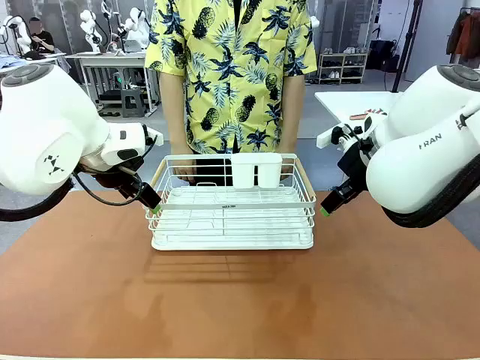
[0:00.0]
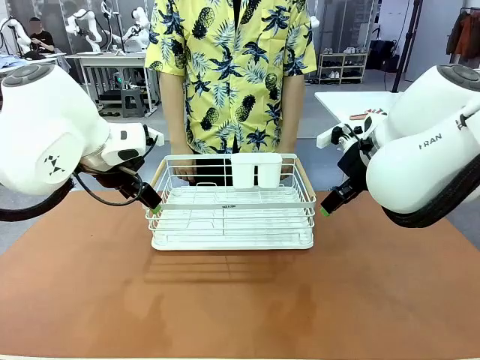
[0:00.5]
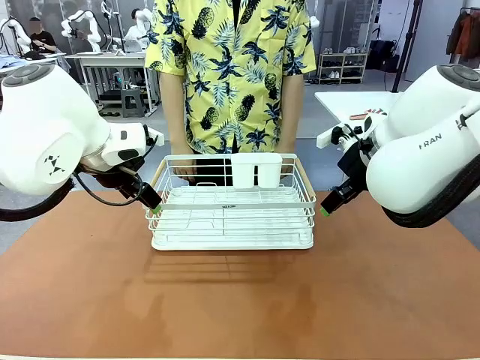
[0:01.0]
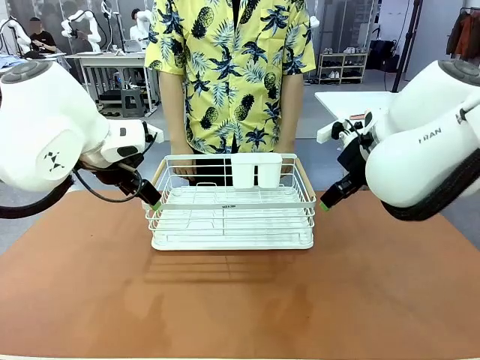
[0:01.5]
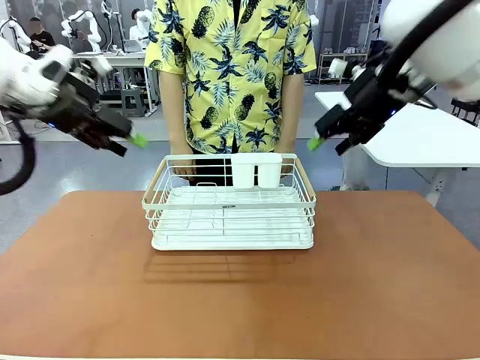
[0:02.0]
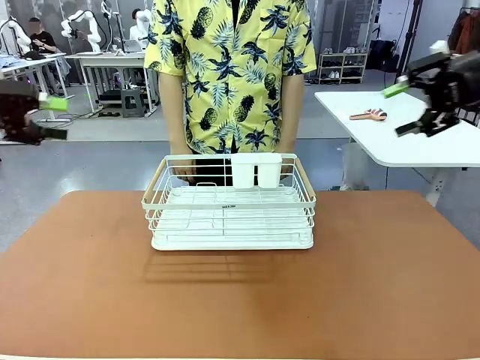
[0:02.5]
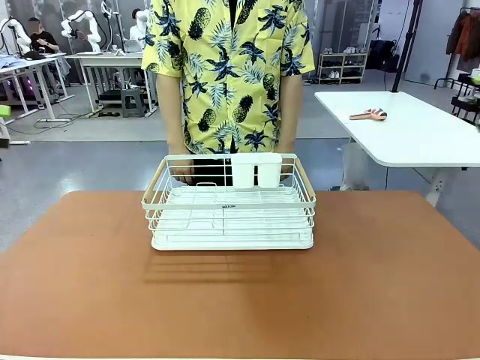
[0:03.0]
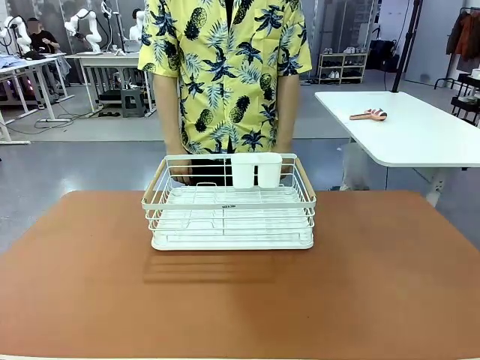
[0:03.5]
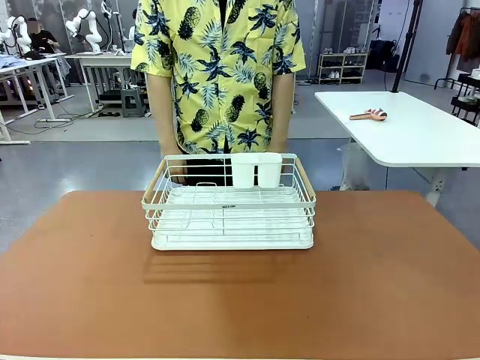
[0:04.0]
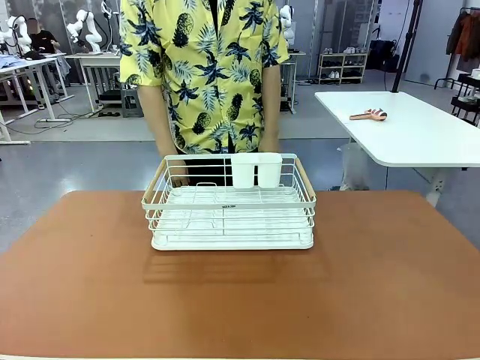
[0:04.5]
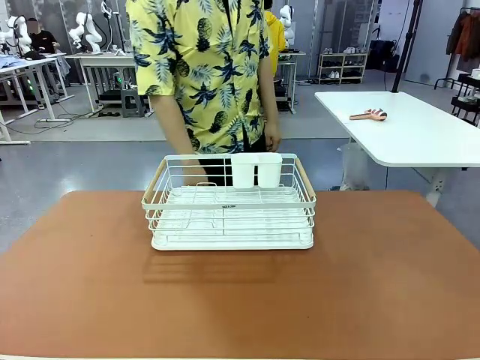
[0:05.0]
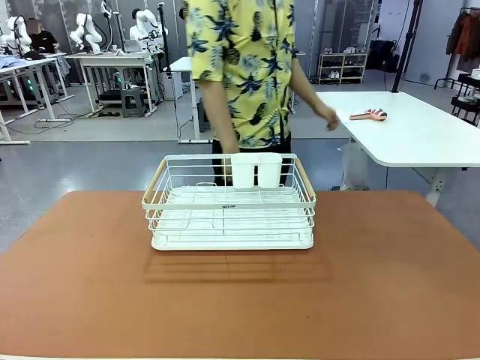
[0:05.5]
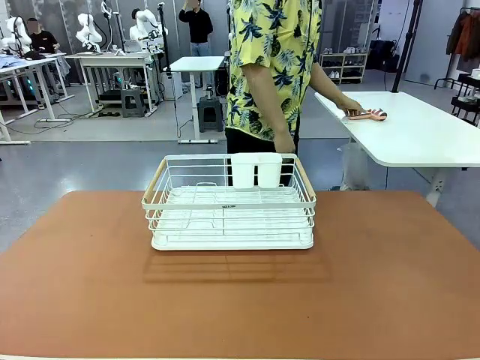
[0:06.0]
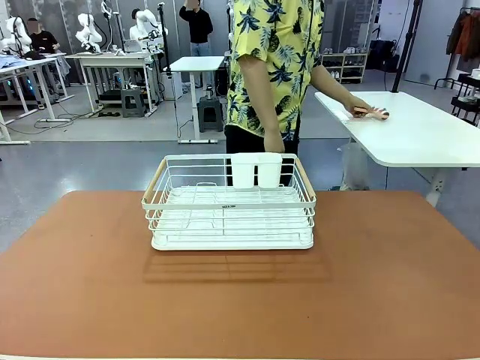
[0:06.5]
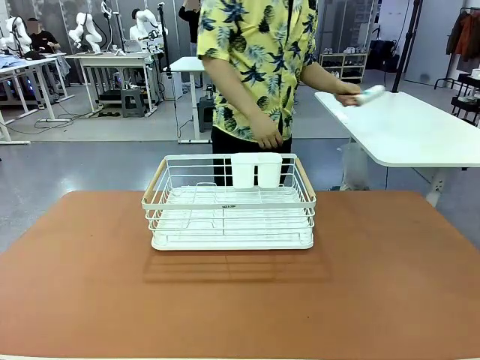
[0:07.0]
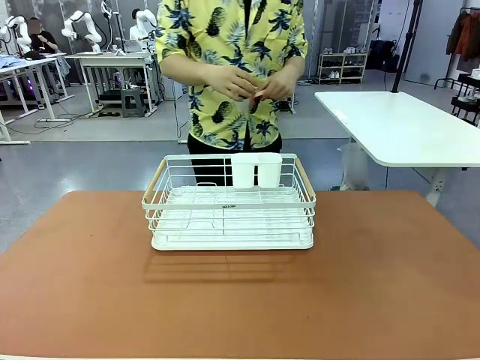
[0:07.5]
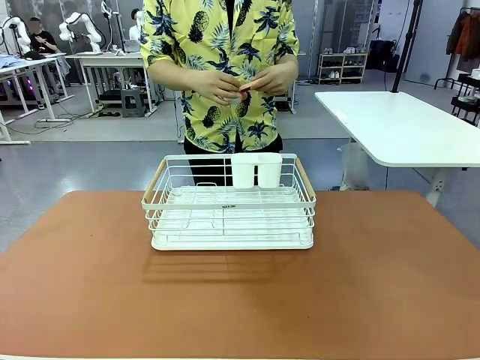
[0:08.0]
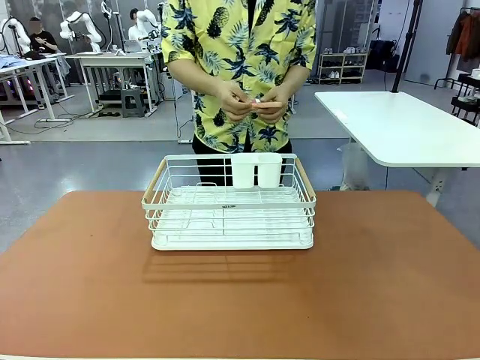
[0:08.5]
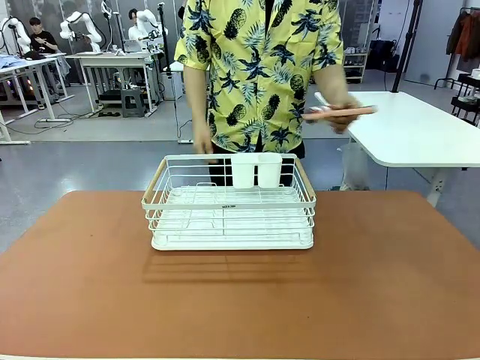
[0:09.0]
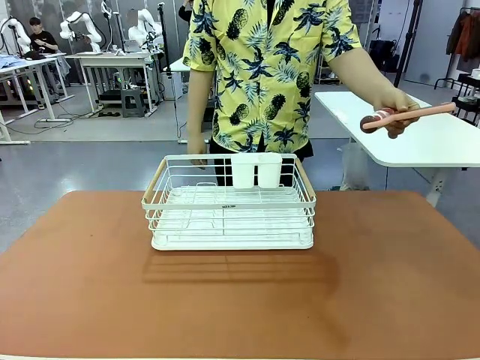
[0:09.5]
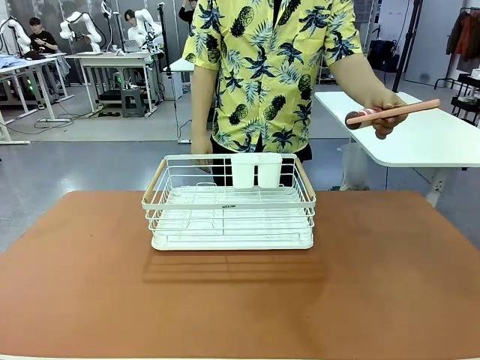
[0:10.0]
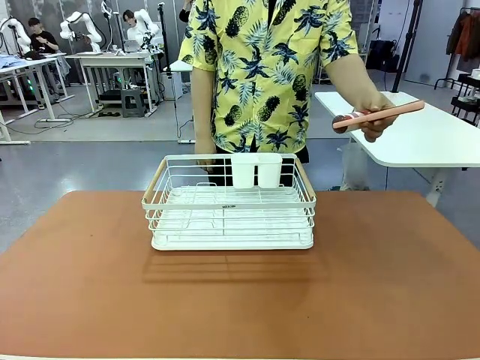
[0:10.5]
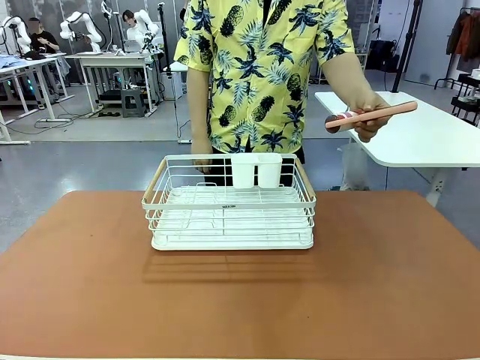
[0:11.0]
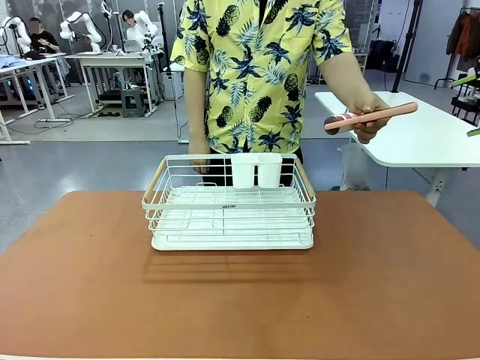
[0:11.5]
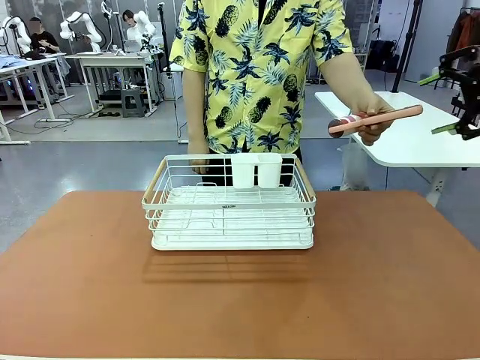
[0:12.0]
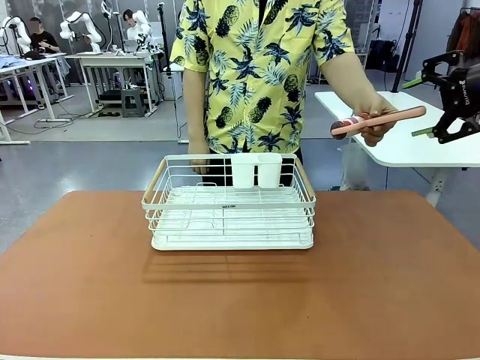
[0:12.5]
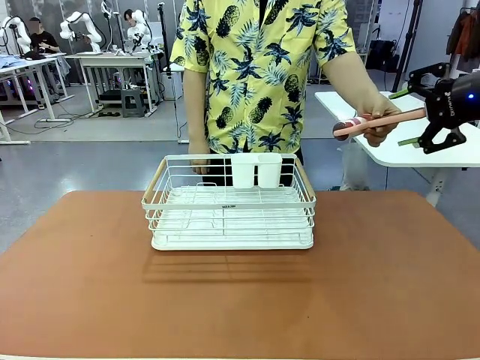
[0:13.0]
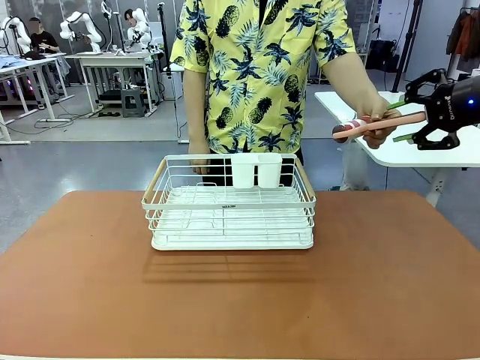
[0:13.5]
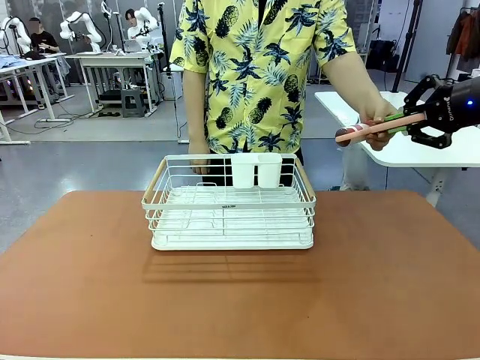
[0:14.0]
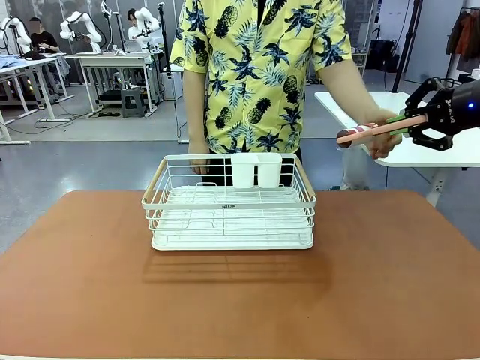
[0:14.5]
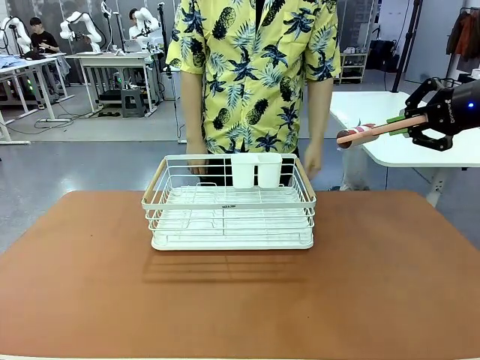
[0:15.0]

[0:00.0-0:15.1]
Task: Clean the table.
Robot: Pick up the Lint Roller when the human hands it over.
Person: Hand the Lint Roller to the robot so it can easily pick it up. Lift the Dish drying rack.

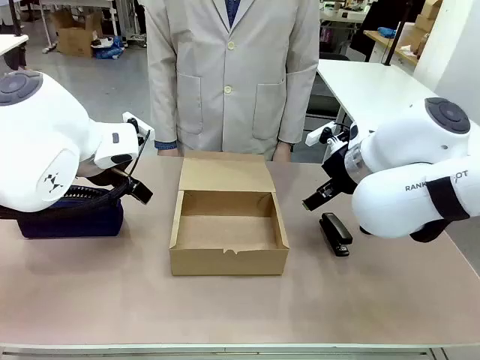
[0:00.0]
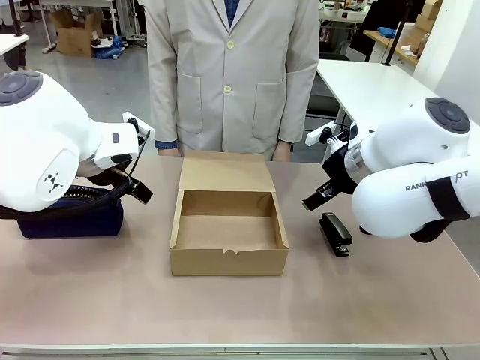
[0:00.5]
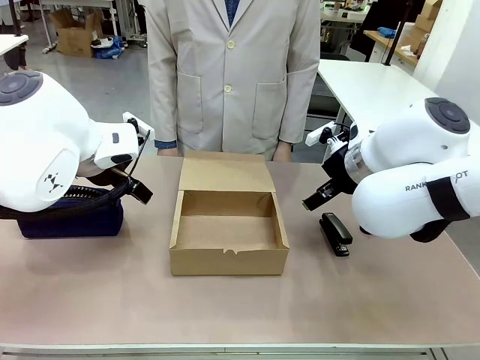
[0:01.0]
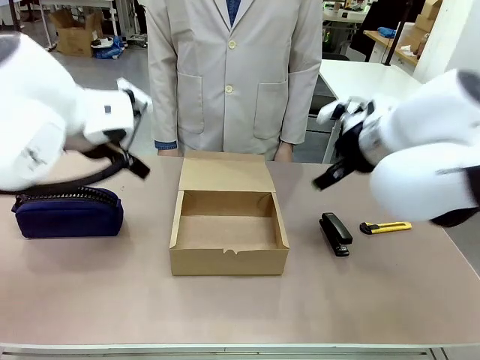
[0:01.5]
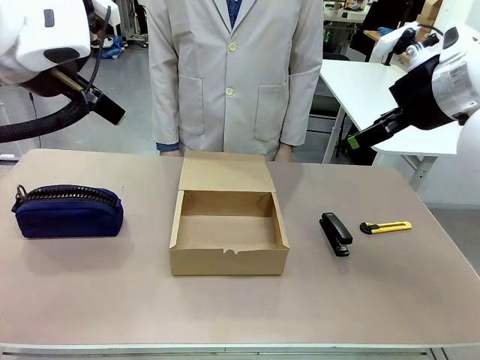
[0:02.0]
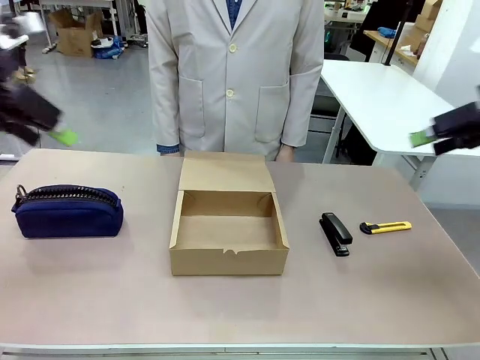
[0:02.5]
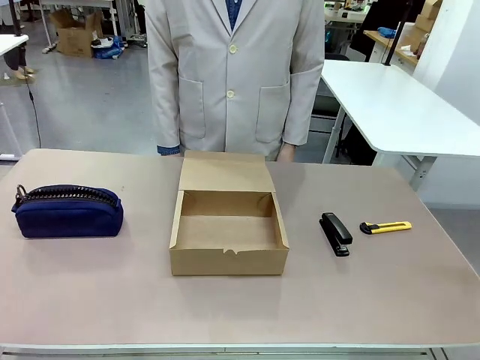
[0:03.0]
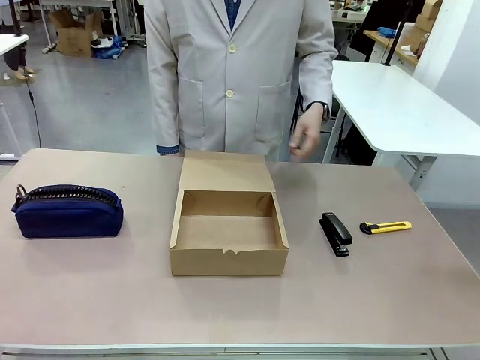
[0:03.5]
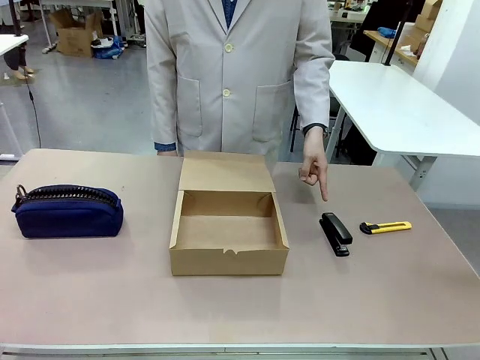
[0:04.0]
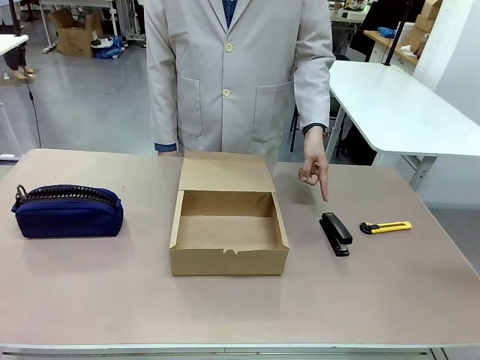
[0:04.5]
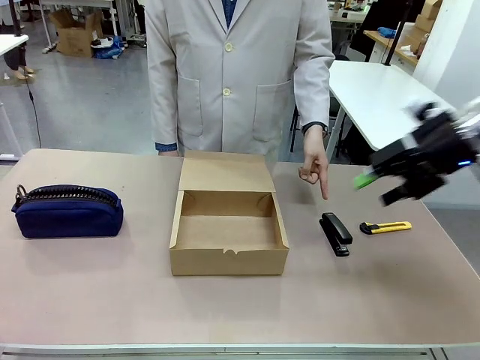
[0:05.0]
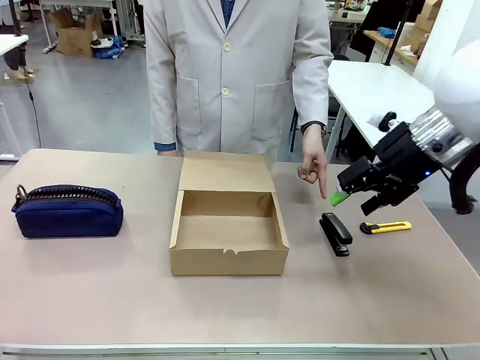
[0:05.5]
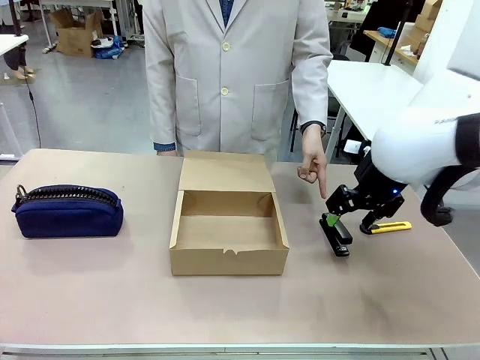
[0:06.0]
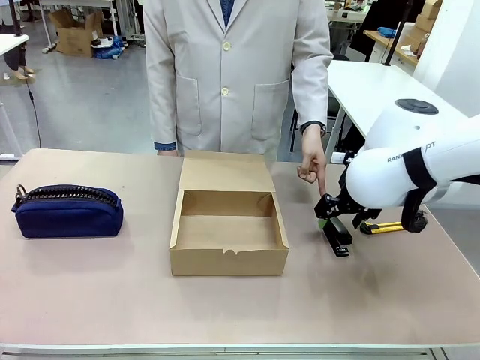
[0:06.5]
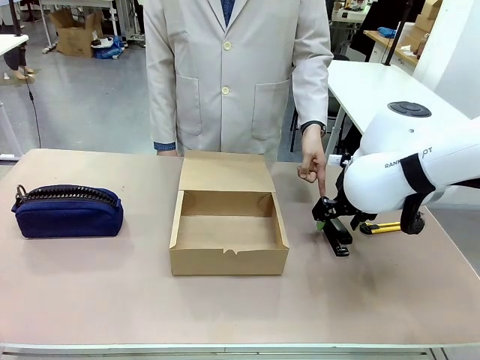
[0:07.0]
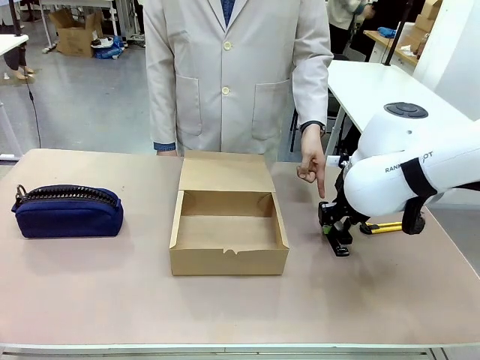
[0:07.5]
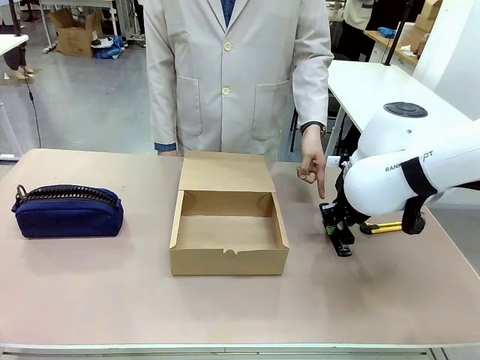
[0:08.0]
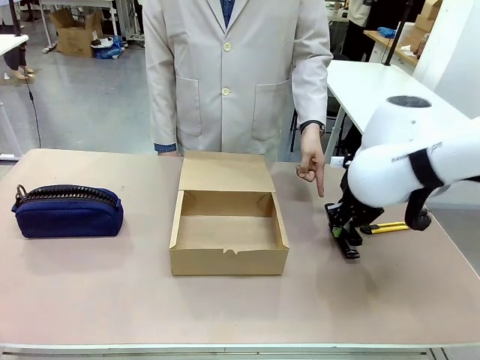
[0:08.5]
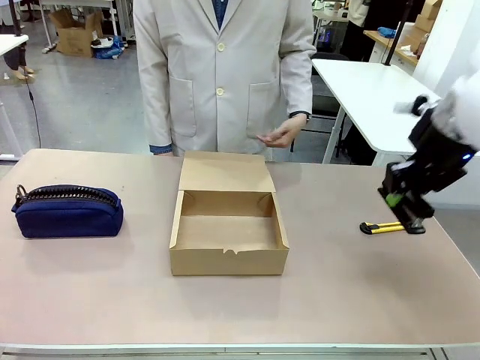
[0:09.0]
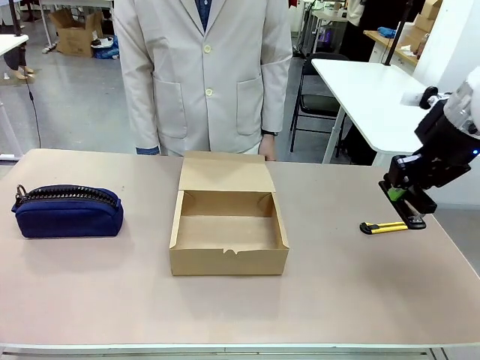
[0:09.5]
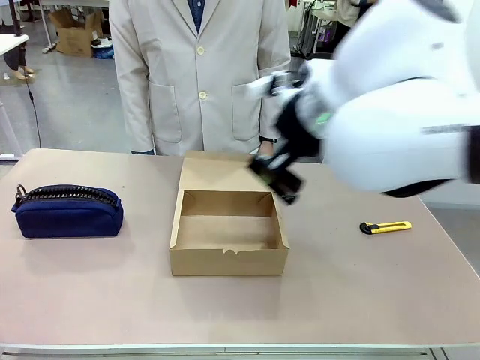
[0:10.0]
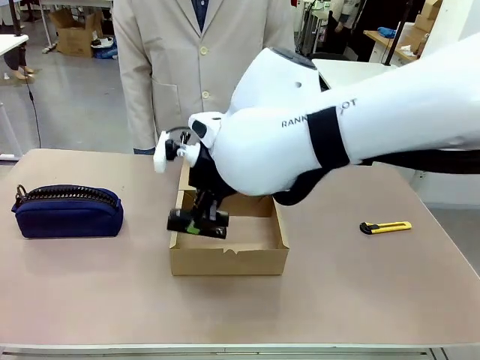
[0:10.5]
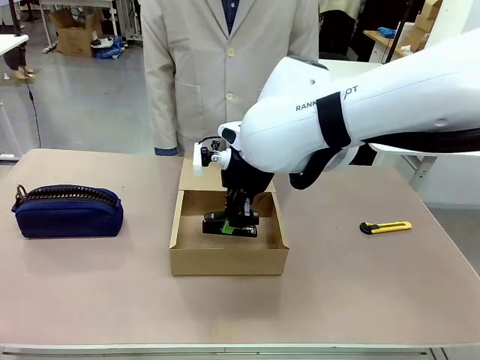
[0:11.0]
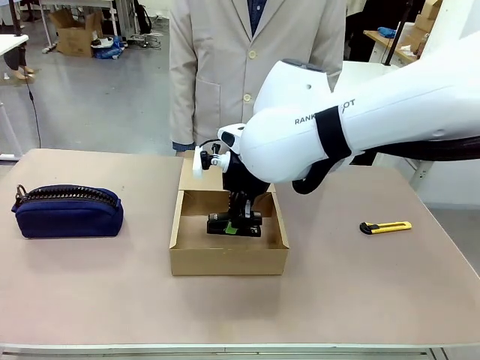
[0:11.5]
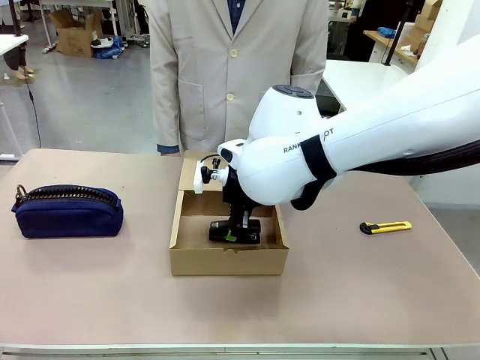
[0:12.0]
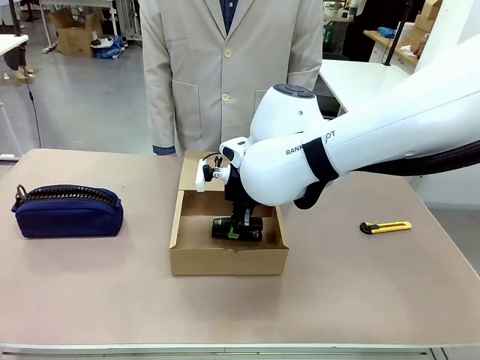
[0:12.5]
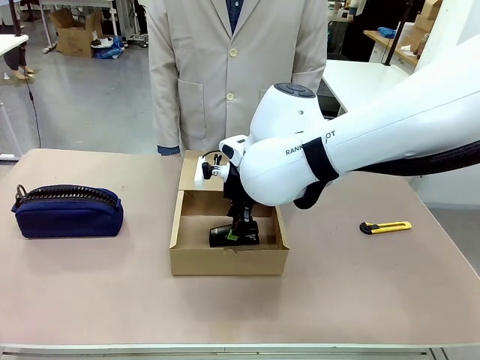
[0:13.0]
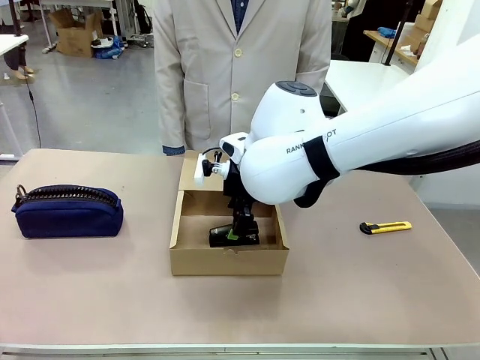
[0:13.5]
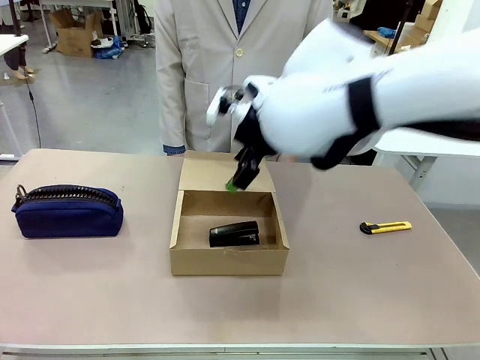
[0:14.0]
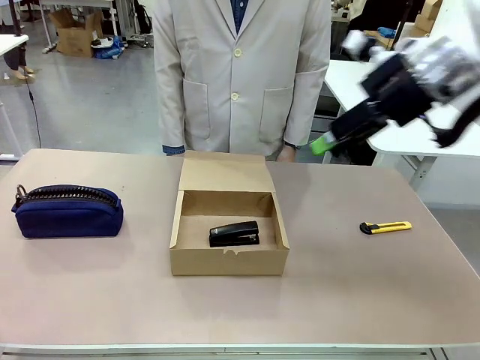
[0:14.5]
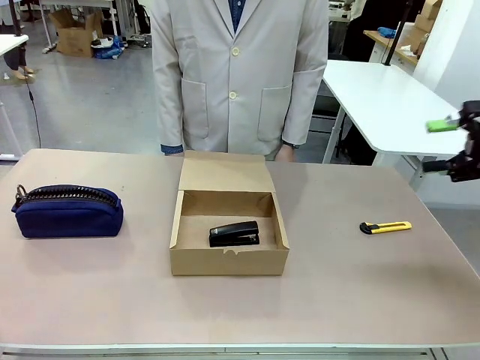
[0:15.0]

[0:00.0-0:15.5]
Task: Pack the item into the box.
Robot: Pick up the item indicated by the person and place it inside the Mailer Box.
Person: Point at one item on the table (excluding the box).
